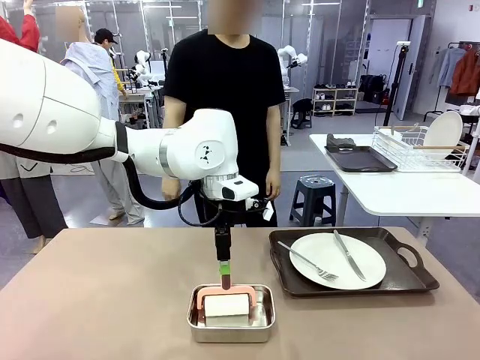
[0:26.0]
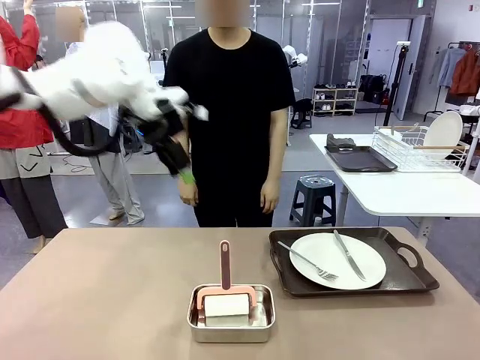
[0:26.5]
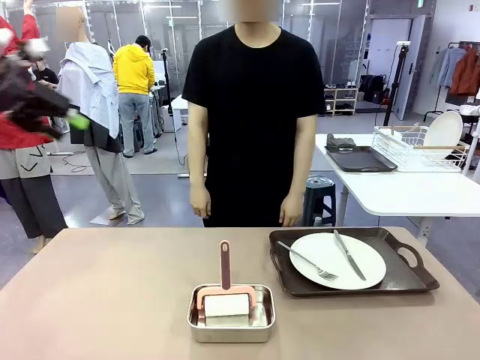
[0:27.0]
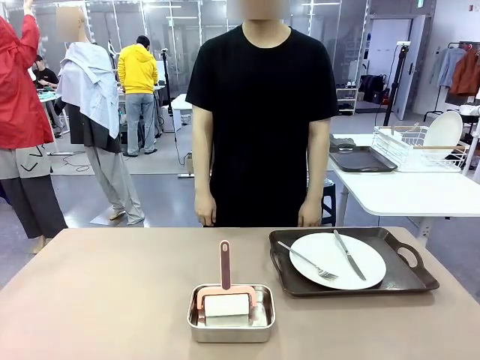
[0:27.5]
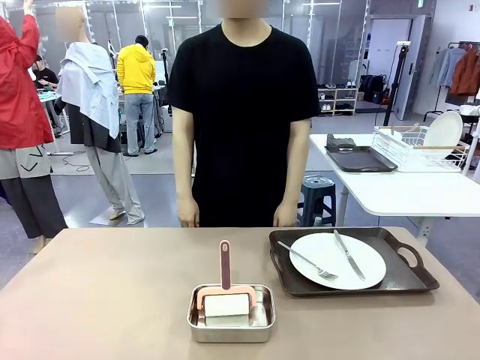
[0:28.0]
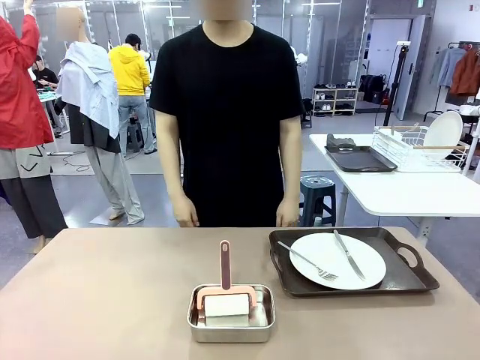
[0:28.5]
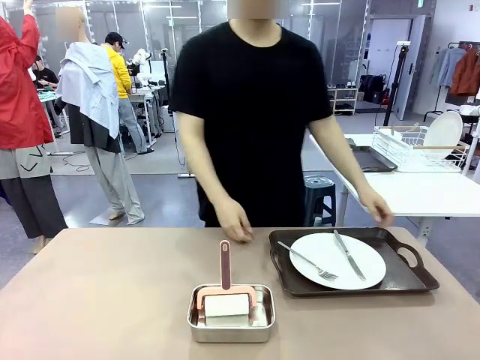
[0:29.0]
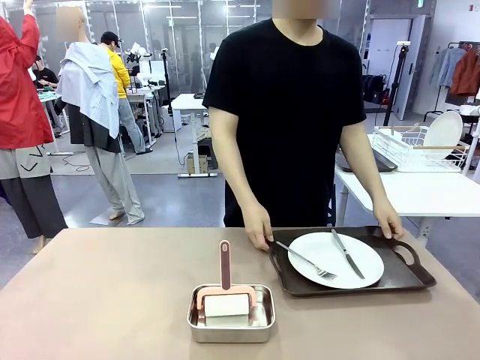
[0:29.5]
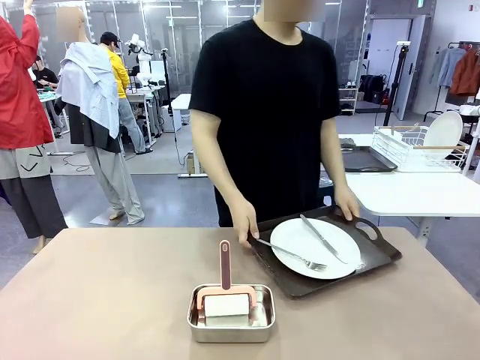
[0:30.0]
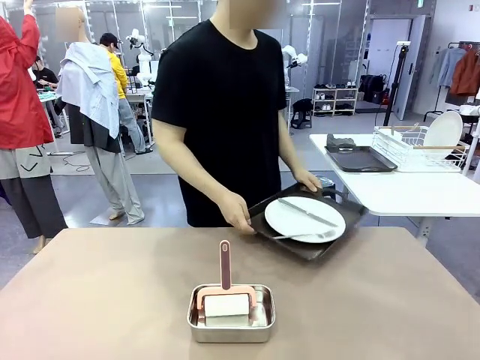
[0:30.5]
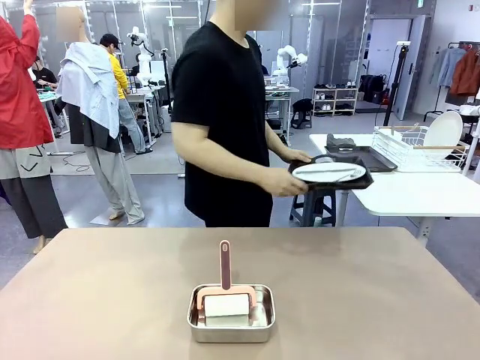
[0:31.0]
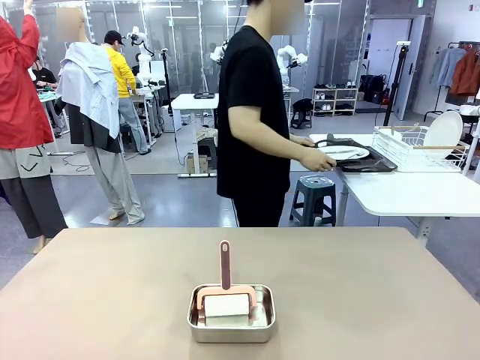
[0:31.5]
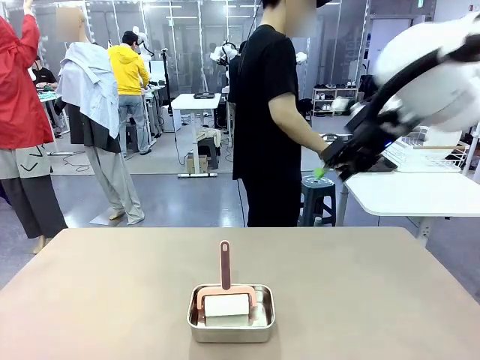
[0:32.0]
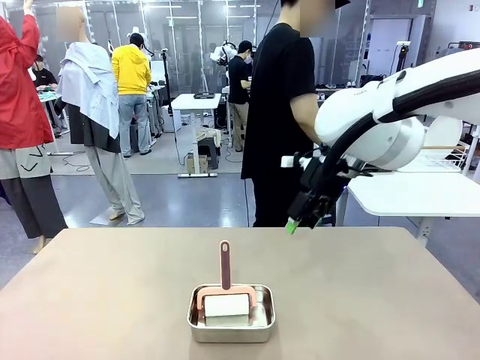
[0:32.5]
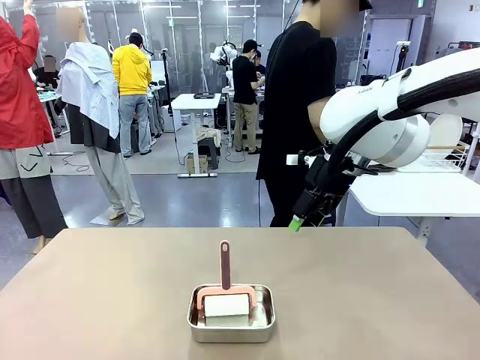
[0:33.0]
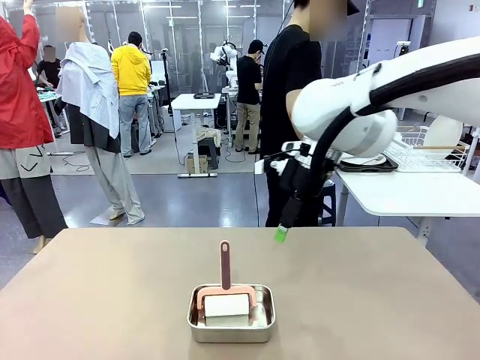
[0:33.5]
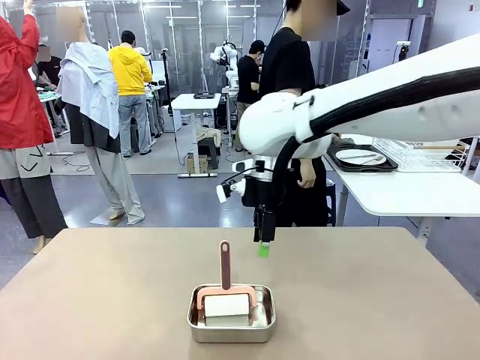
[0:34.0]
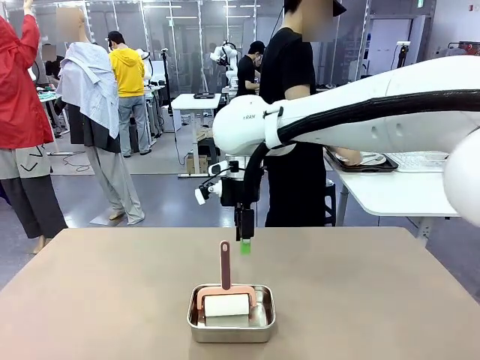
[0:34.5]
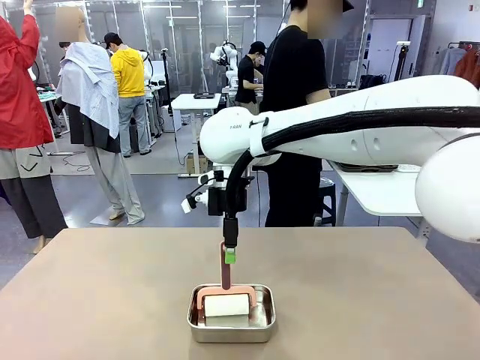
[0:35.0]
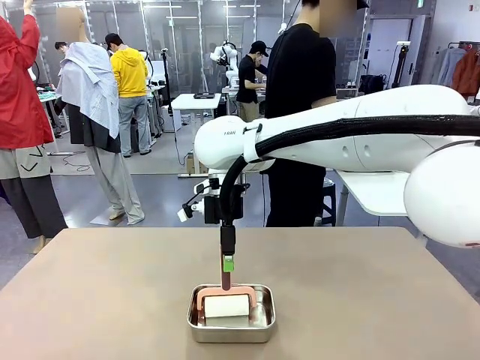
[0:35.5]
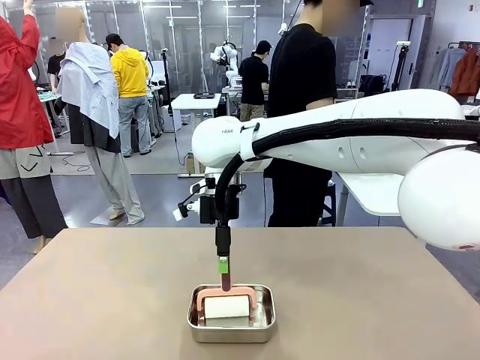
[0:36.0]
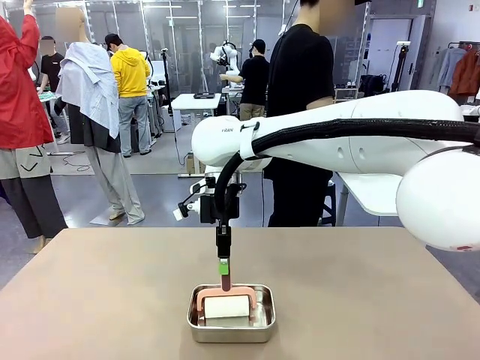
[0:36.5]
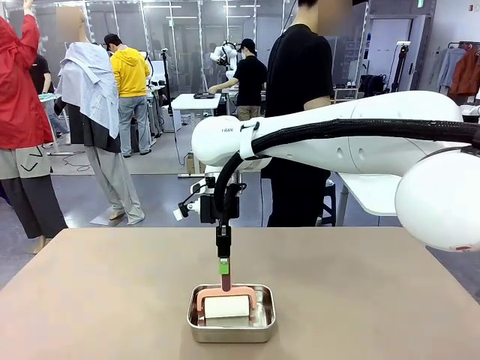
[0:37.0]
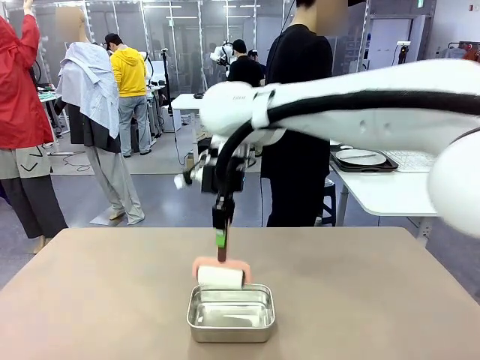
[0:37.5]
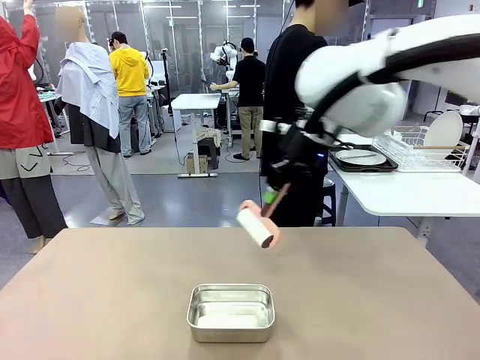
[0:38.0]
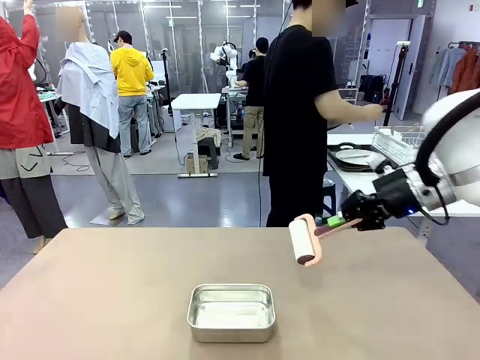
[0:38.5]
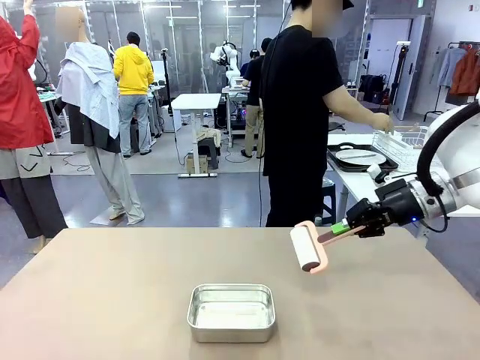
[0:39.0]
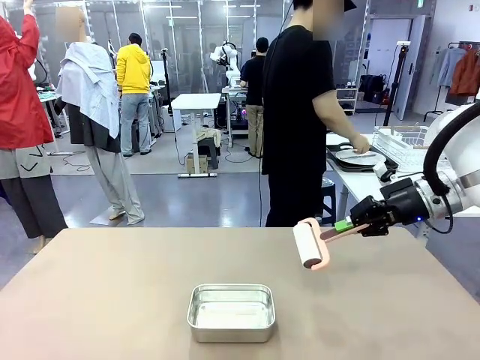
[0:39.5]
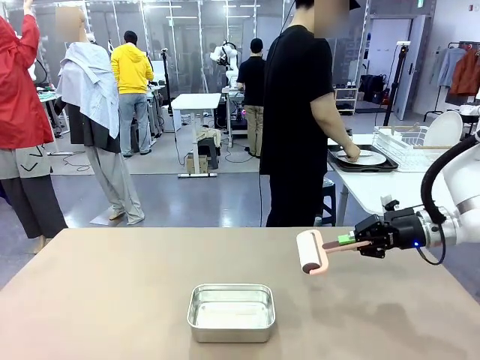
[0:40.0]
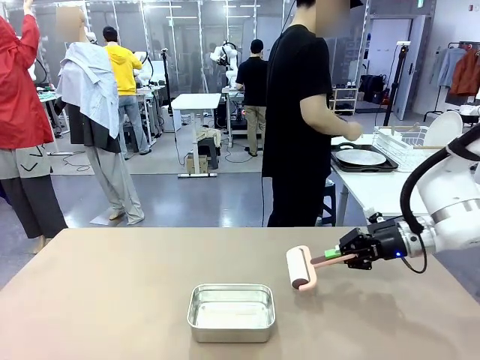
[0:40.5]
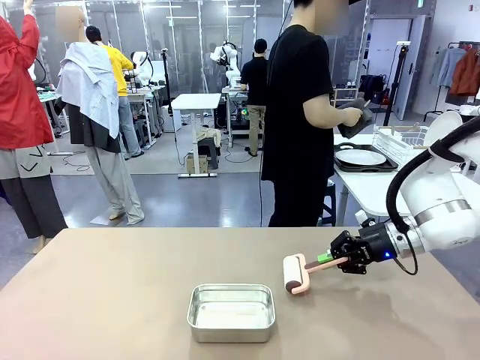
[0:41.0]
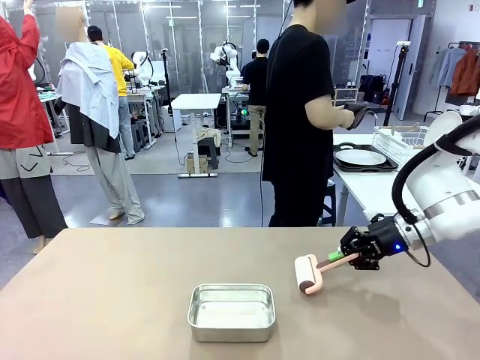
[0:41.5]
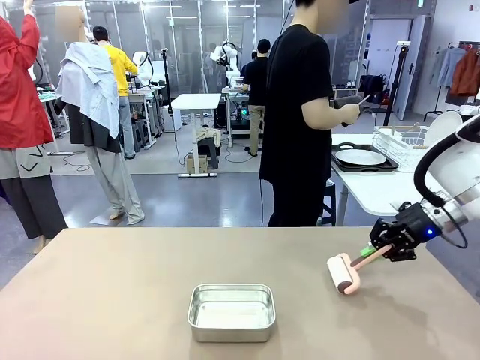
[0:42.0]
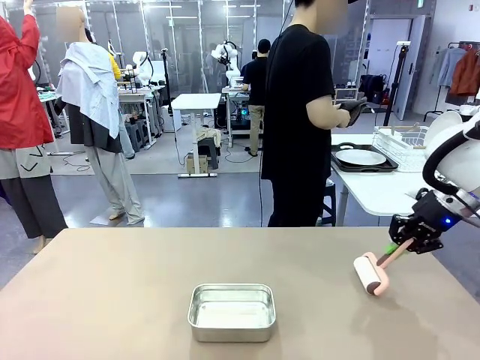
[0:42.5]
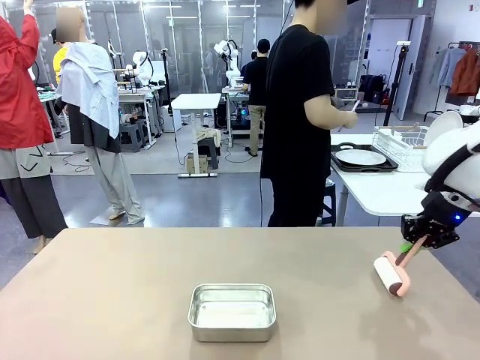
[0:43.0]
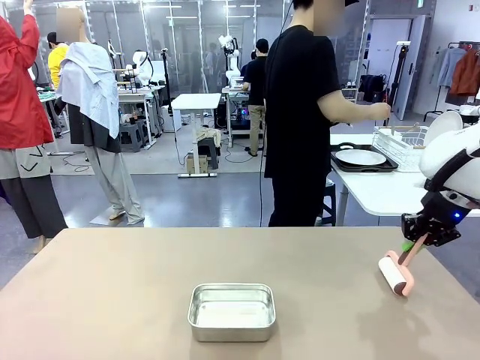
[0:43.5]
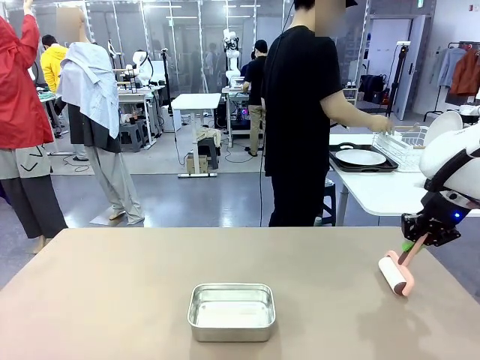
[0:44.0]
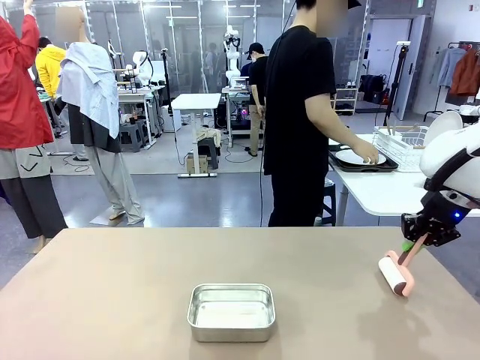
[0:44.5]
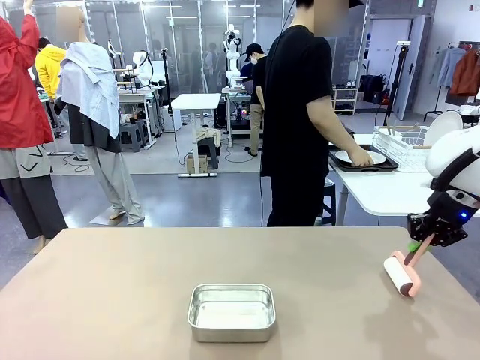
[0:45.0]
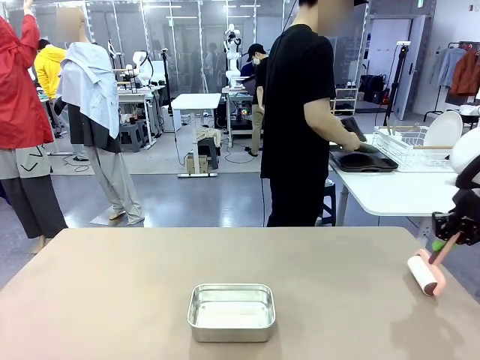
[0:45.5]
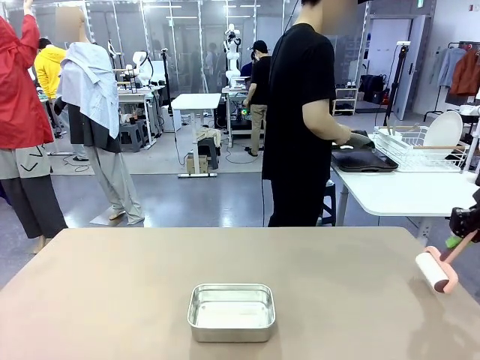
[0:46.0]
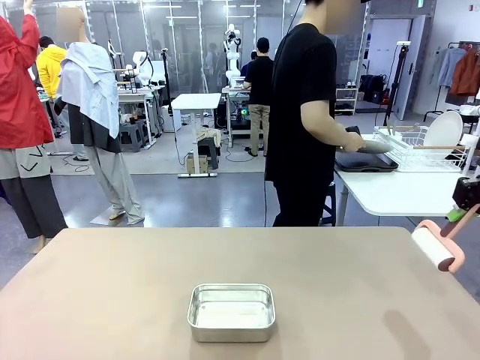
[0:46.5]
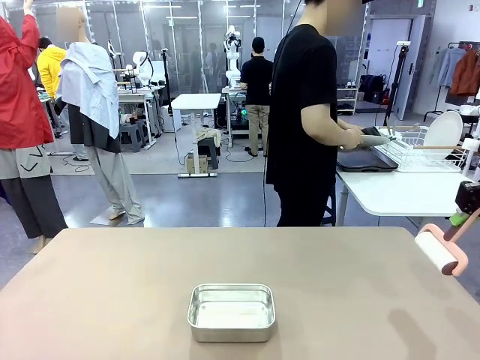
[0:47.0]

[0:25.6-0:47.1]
Robot: When the right (or left) Handle tray is removed, use the right hand (or left hand) to clean the right (or left) side of the table with the Lint Roller.
Person: Pick up the left (or right) Handle tray and place it on the Handle tray. Use the Towel with hook to wipe the Plastic Matte Plate , Fork , and Knife and place into the Dish drying rack.

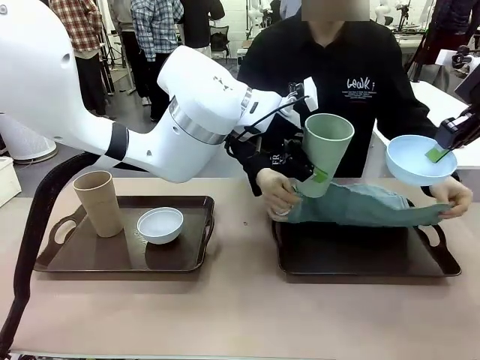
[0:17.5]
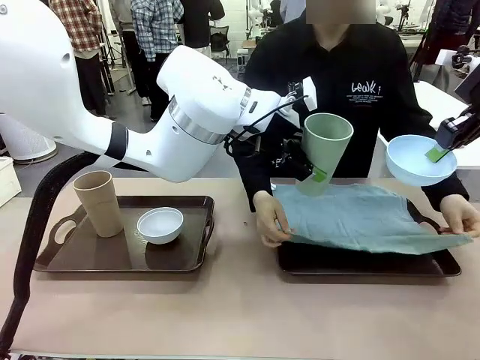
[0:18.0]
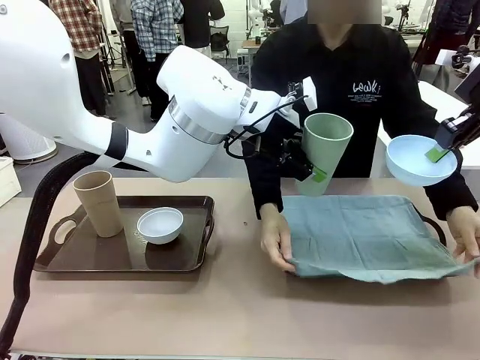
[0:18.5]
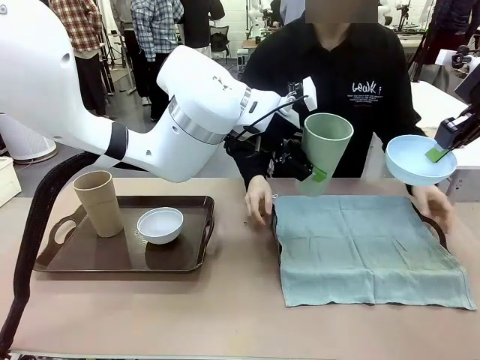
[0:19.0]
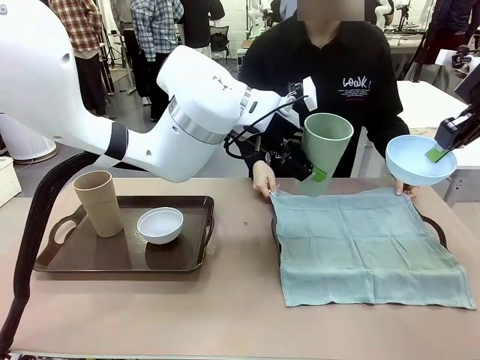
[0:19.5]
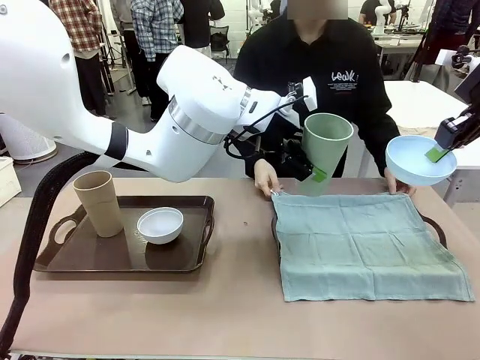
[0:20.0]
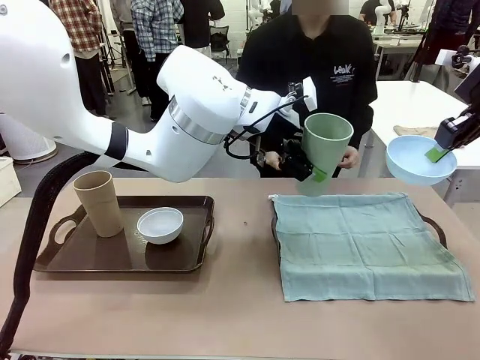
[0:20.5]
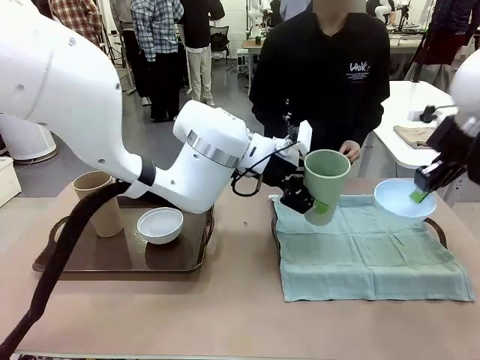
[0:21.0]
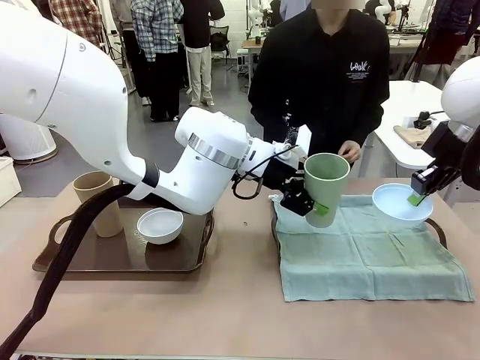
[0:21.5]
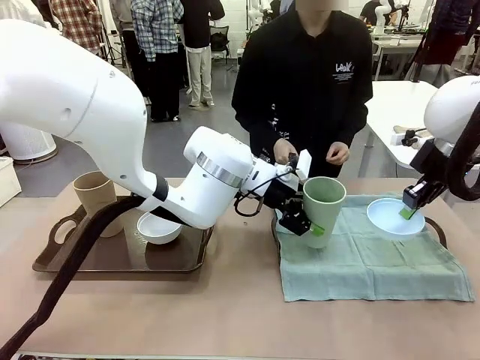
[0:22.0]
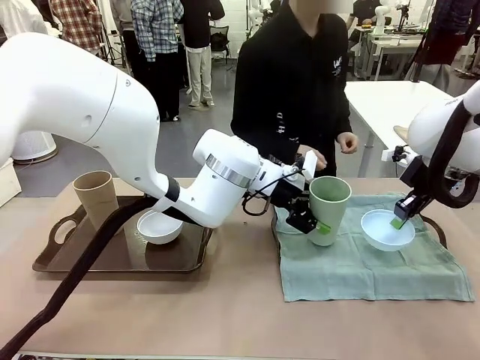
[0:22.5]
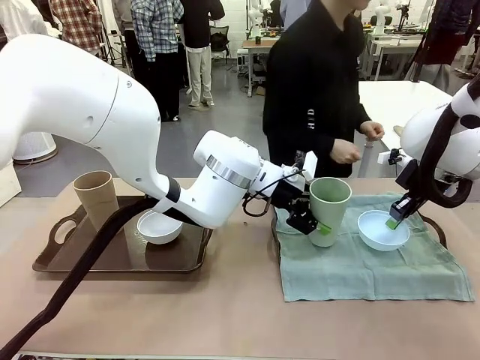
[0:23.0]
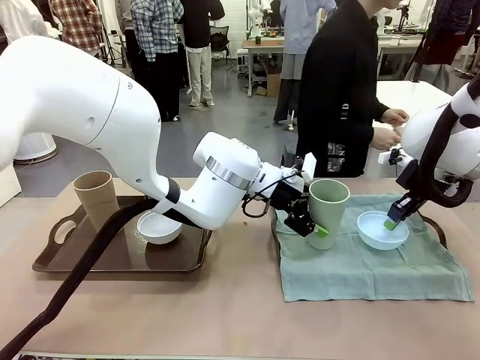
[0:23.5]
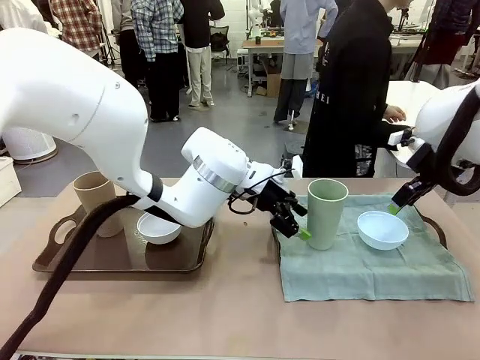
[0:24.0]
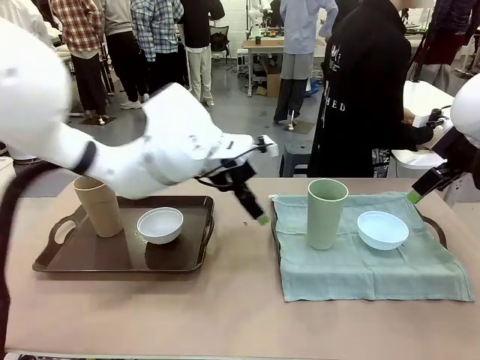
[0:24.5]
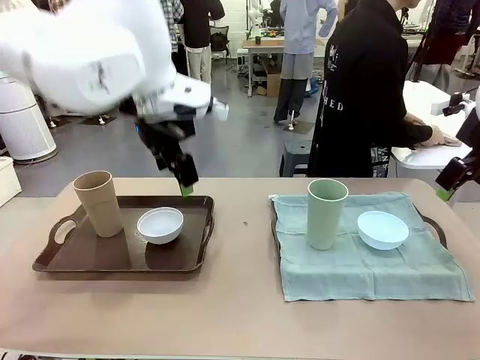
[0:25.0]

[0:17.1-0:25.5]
Robot: Place the Picnic Bowl and Reusable plastic cup back onto the Handle tray in front of the human's position.
